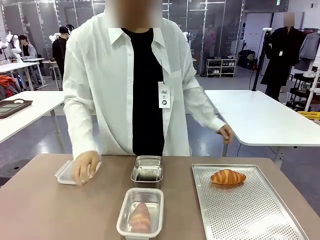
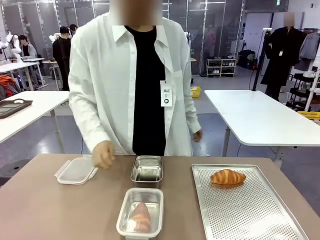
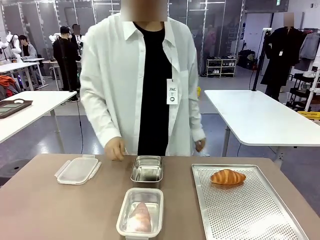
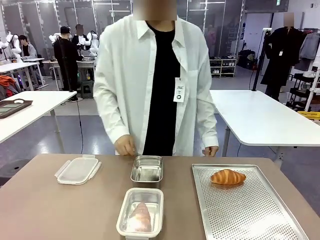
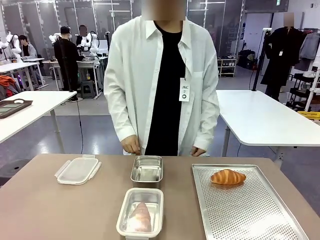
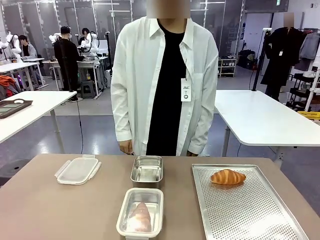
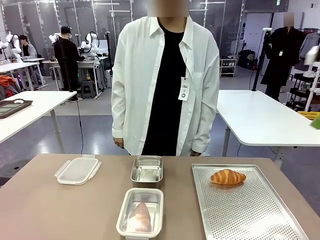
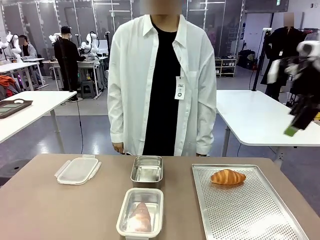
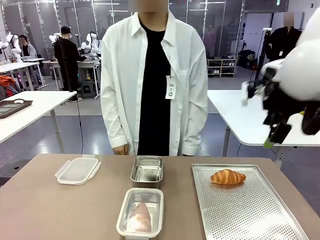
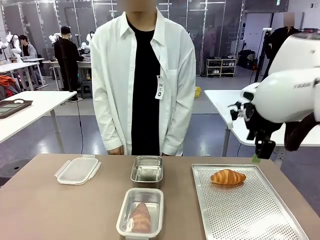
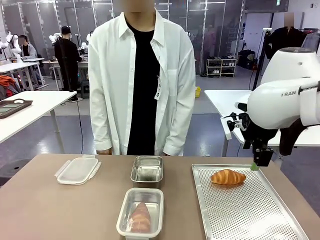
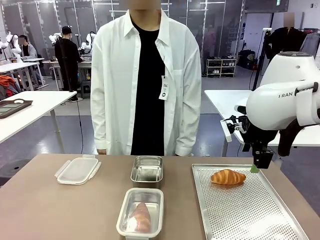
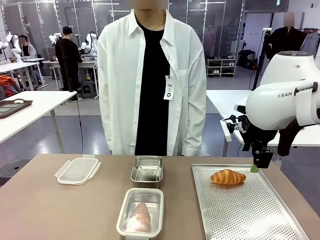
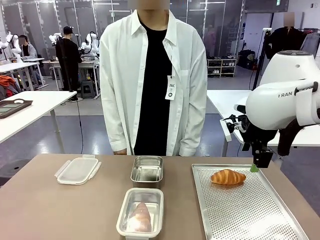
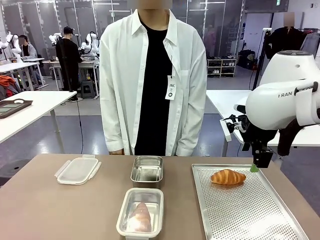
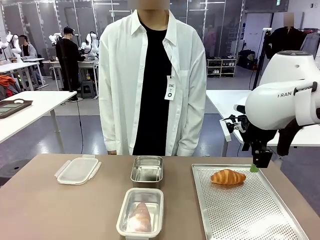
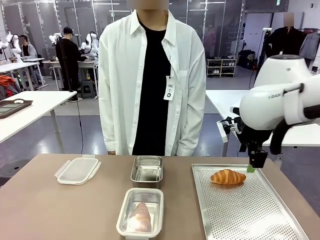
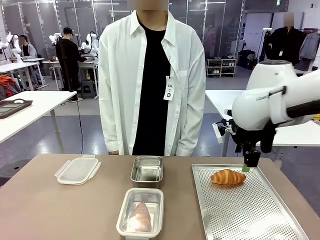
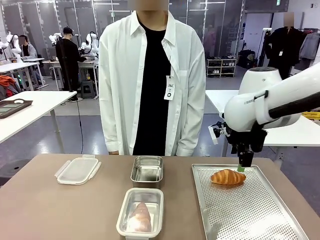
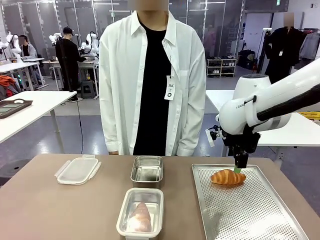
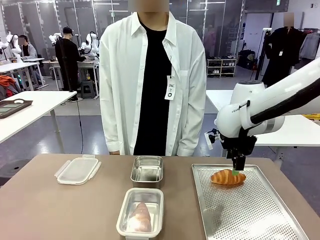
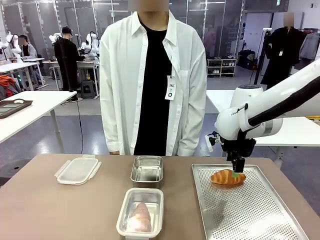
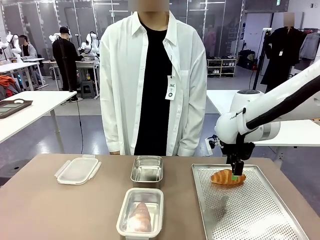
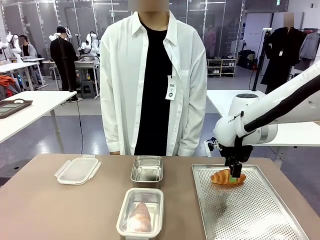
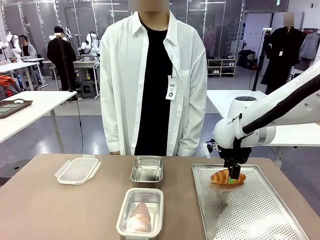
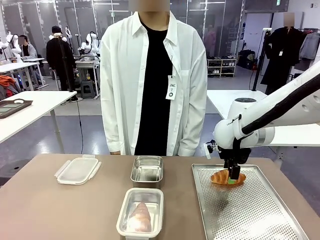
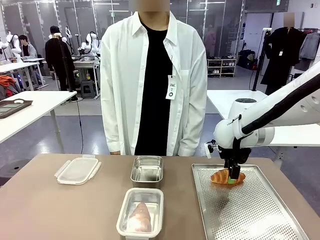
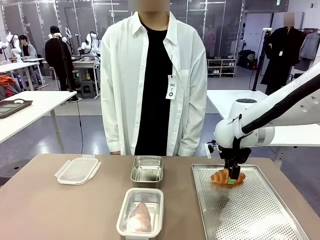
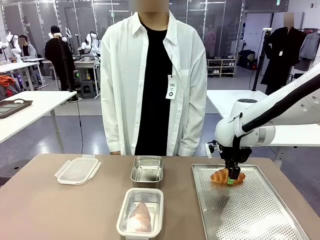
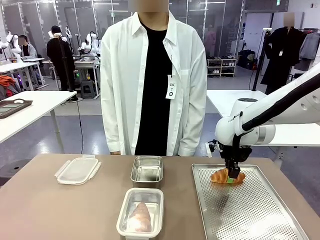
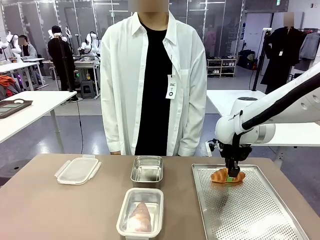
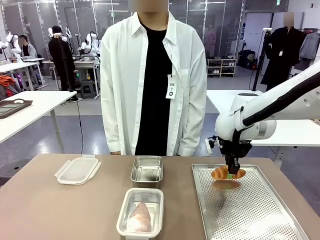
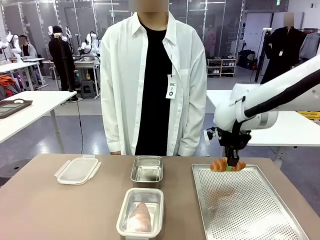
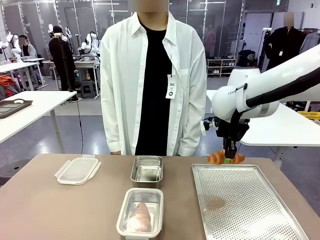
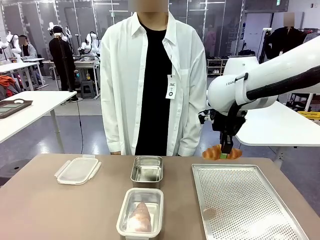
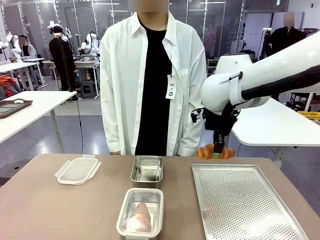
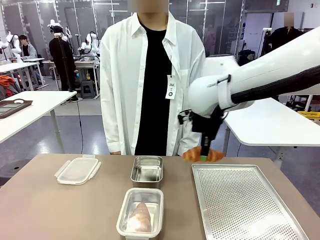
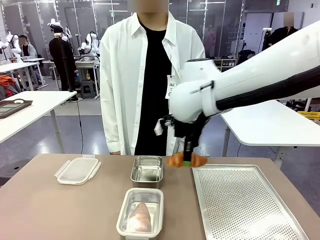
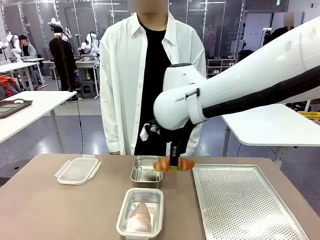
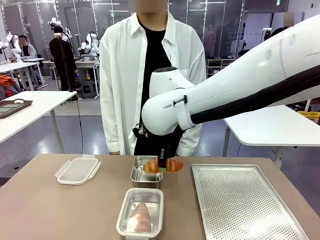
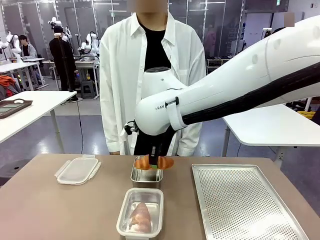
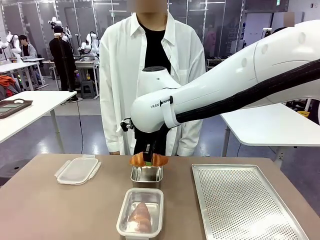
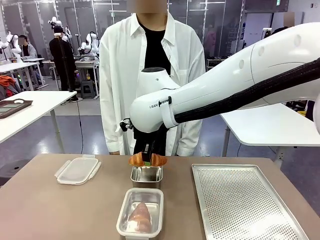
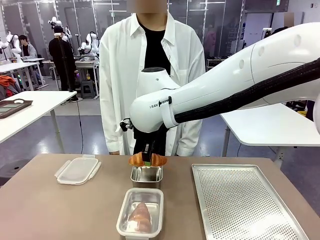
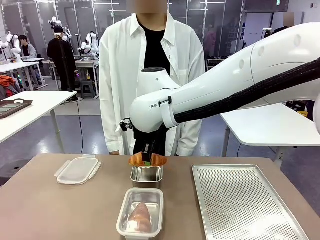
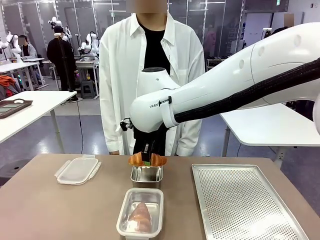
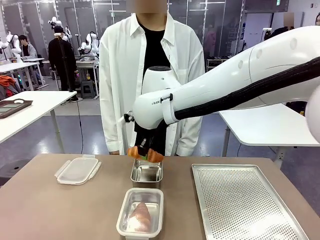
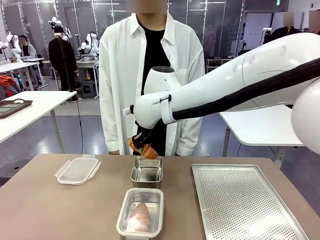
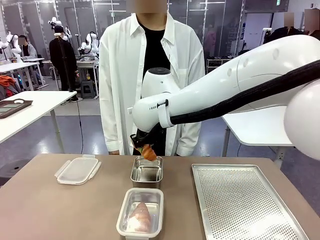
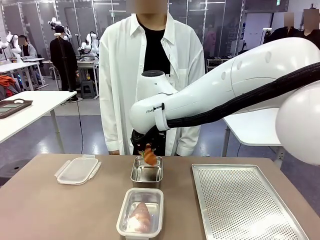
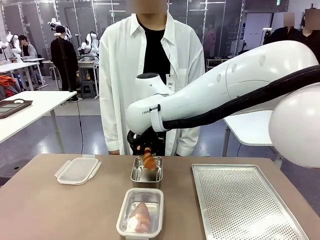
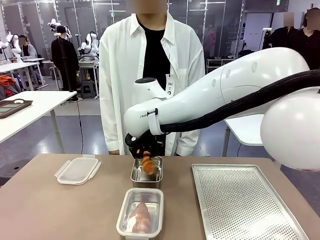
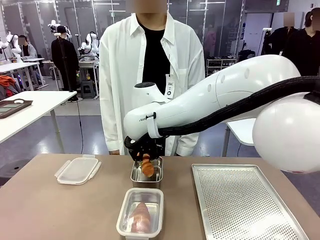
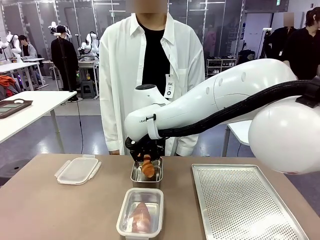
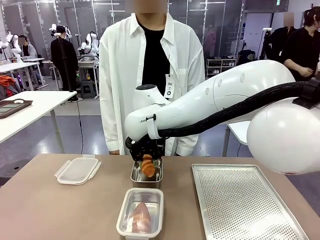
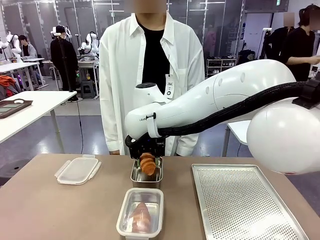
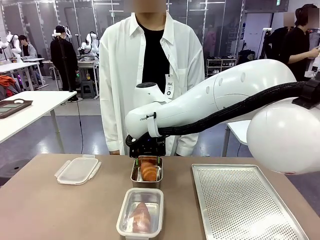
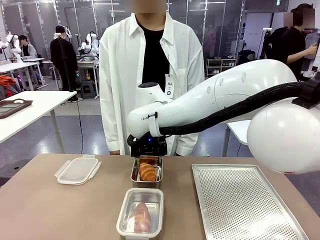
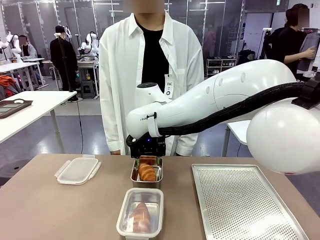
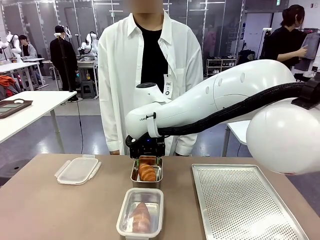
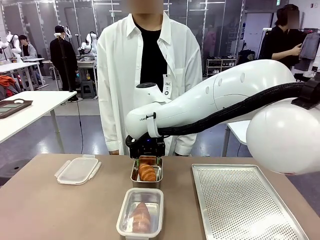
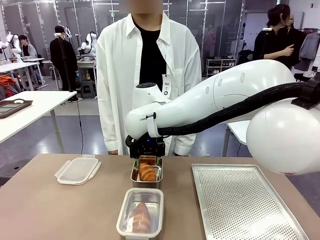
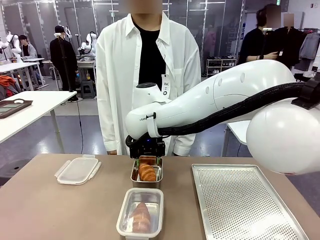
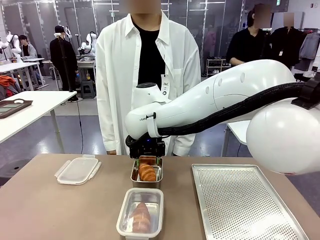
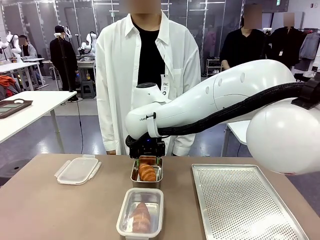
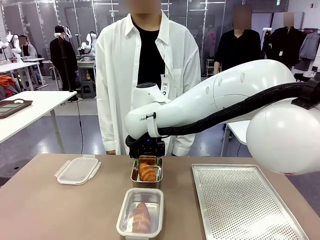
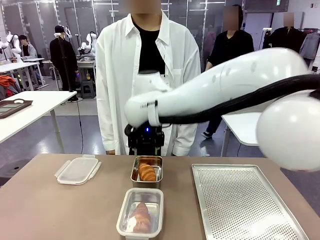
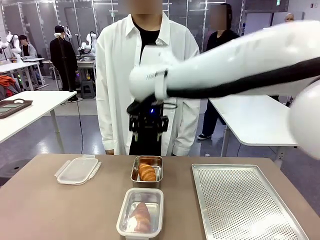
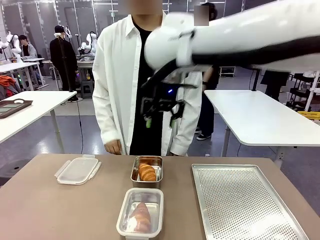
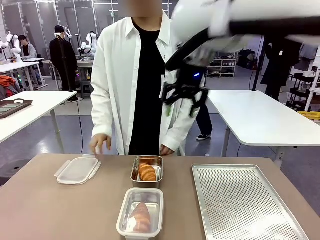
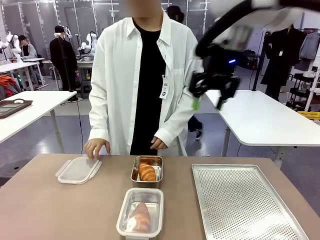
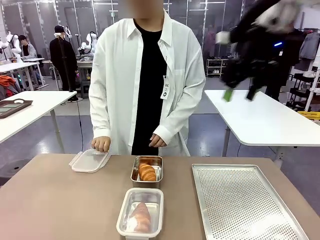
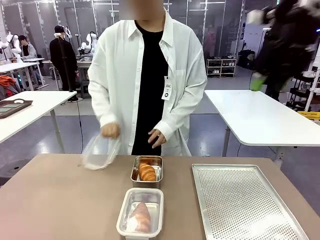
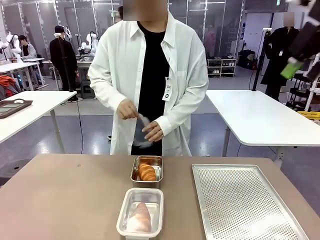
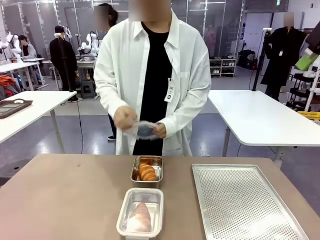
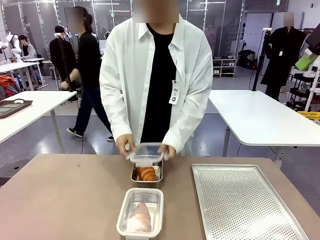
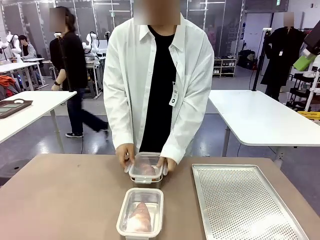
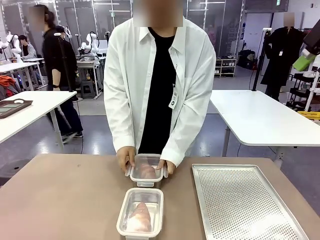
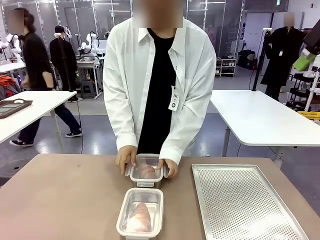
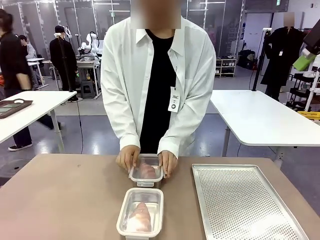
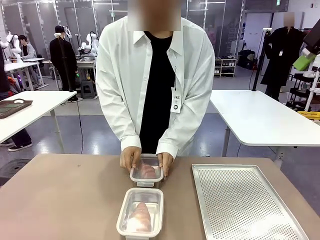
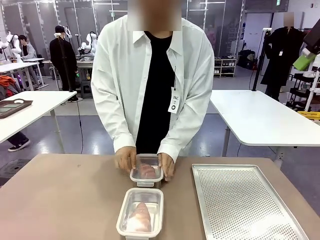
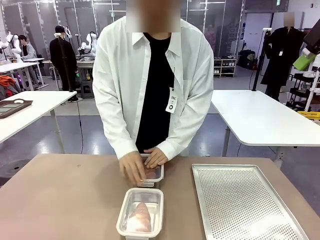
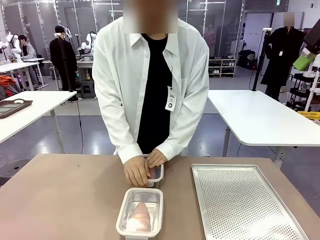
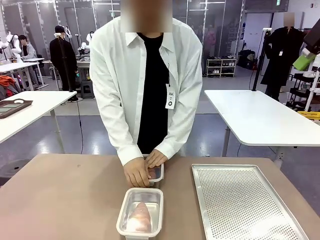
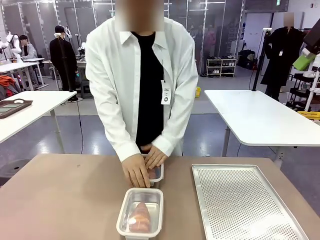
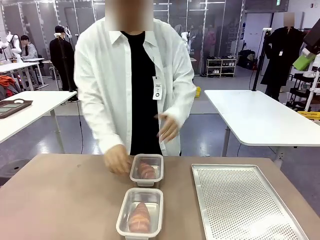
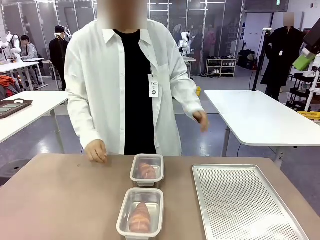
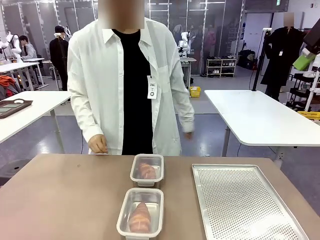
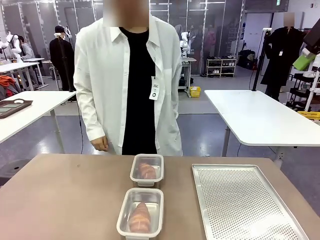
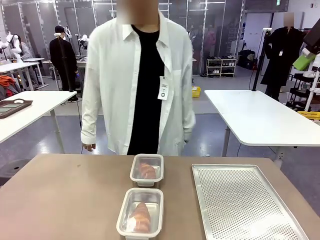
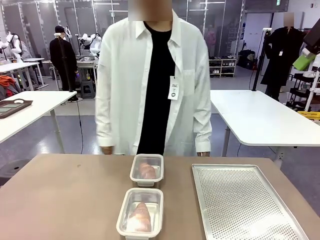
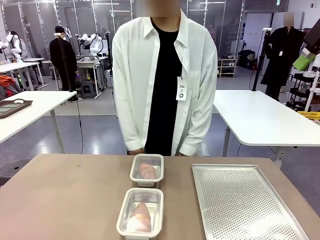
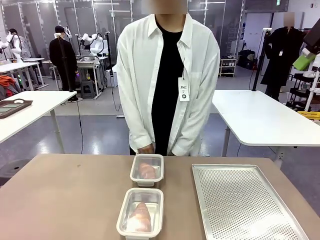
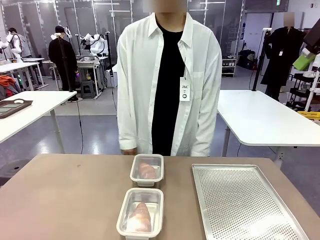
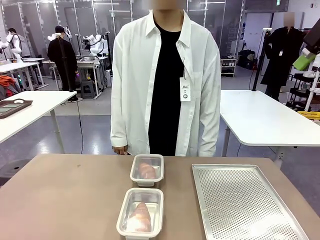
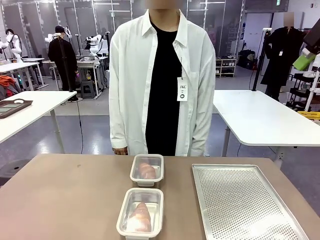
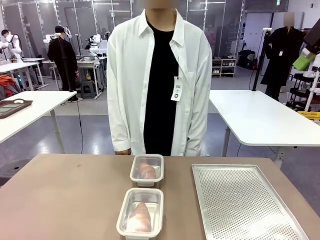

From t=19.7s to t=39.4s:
Task: Place the bread into the airtight container.
Robot: Pick up a Butter Roll and place it into an empty Airtight Container.
